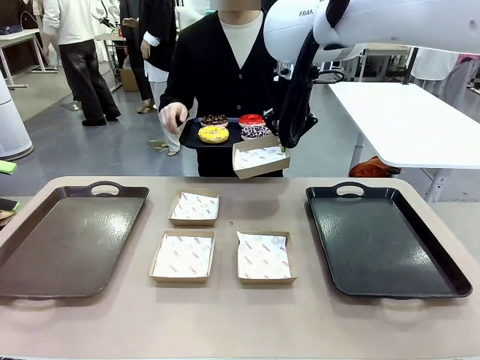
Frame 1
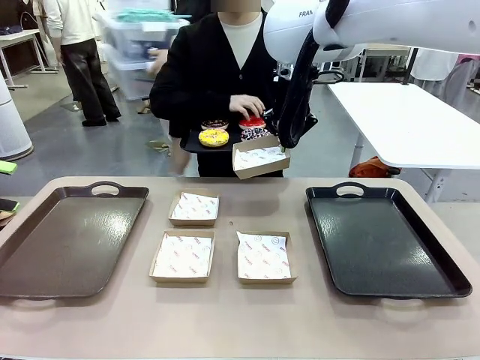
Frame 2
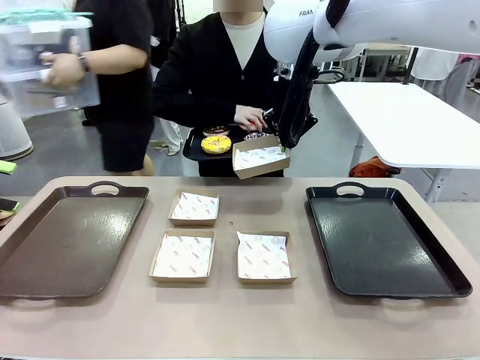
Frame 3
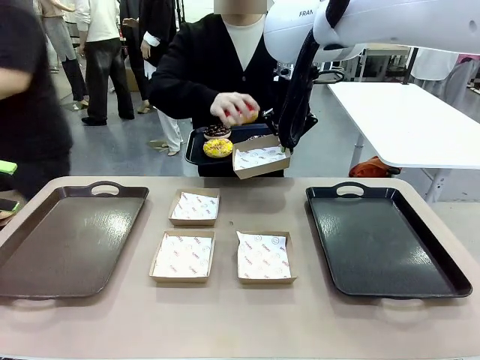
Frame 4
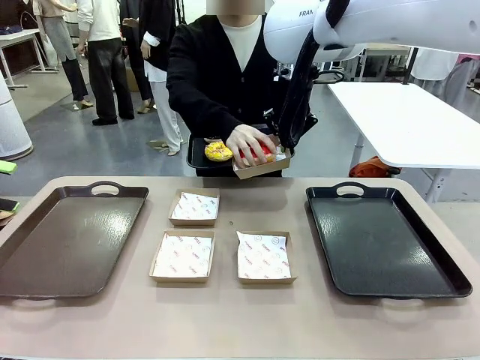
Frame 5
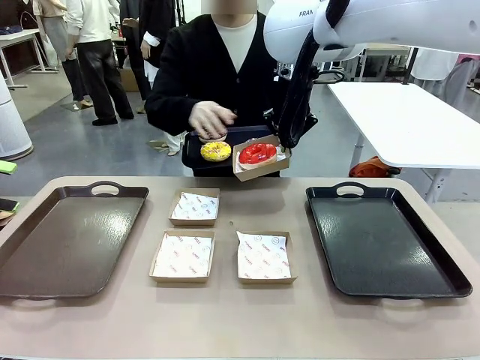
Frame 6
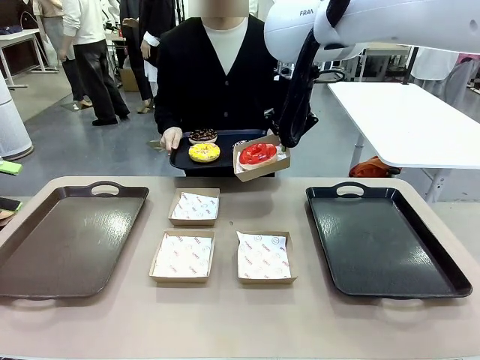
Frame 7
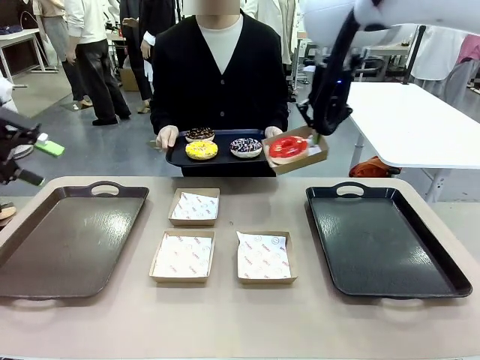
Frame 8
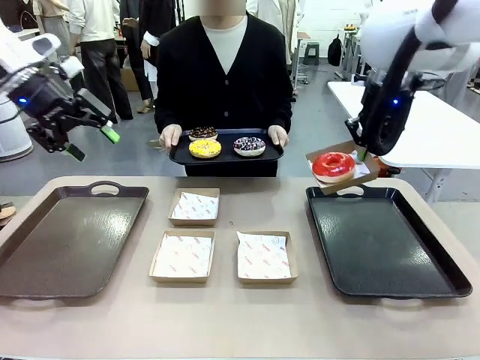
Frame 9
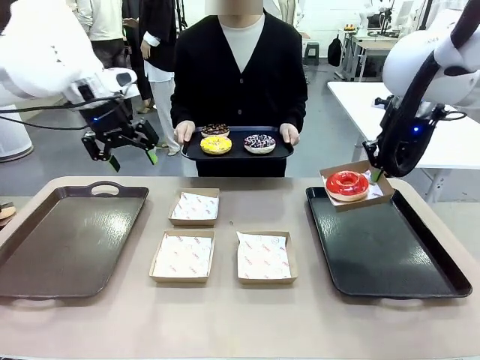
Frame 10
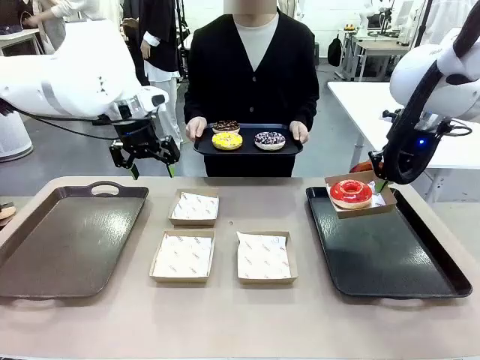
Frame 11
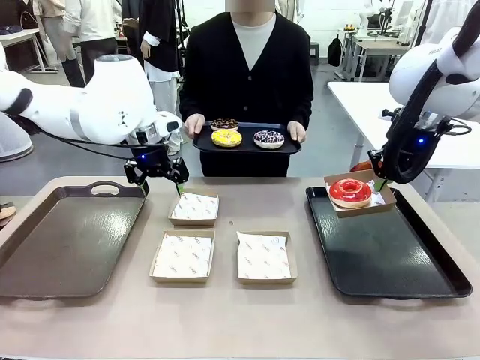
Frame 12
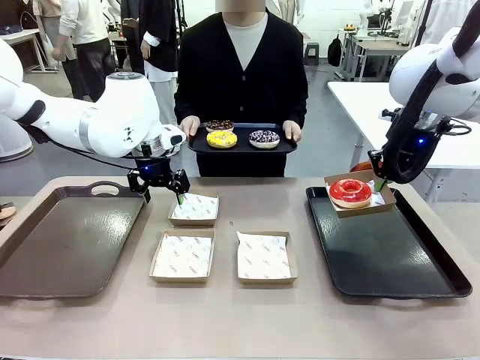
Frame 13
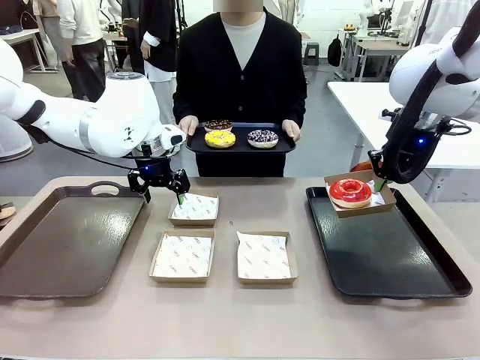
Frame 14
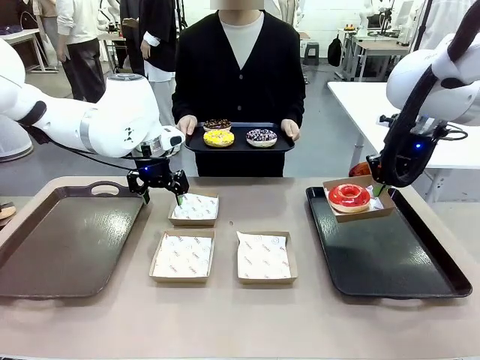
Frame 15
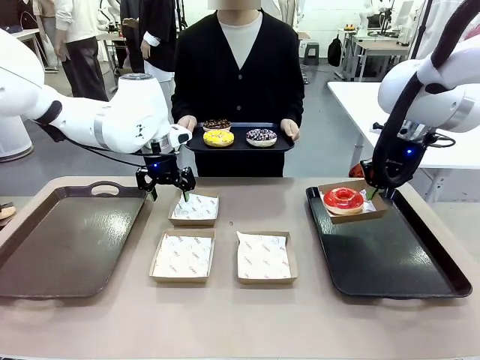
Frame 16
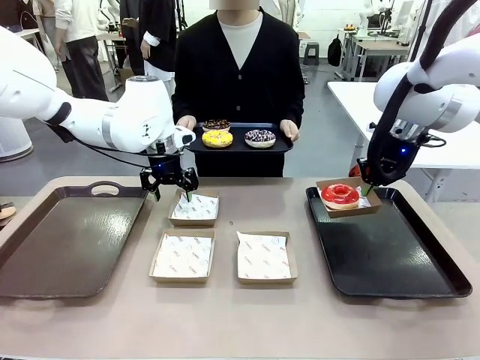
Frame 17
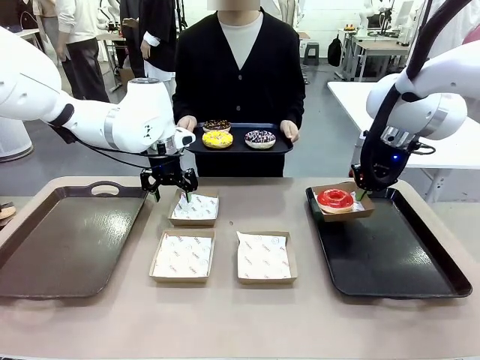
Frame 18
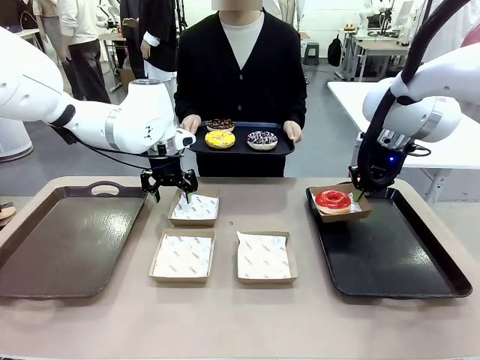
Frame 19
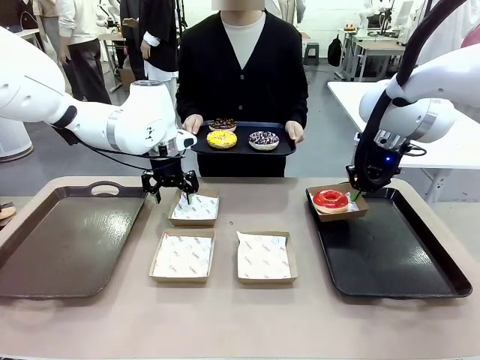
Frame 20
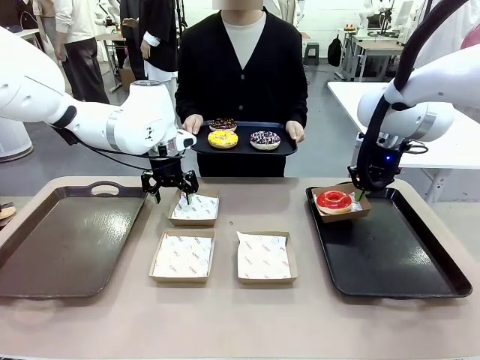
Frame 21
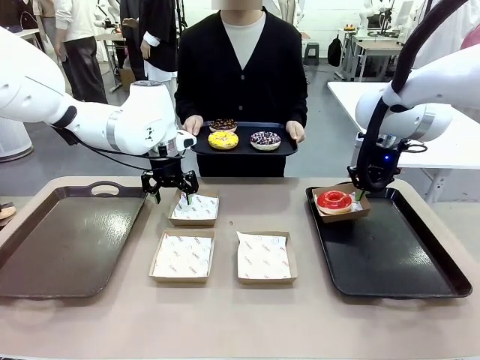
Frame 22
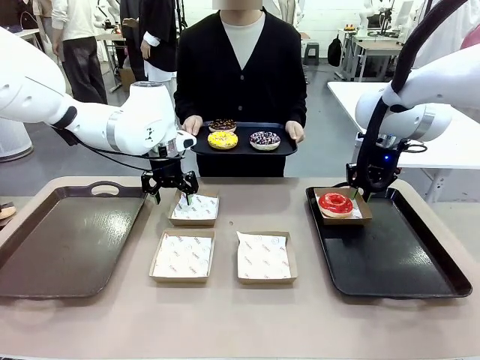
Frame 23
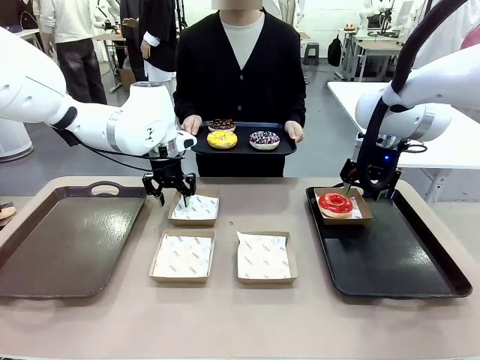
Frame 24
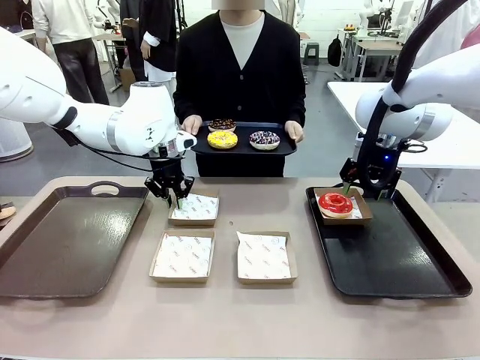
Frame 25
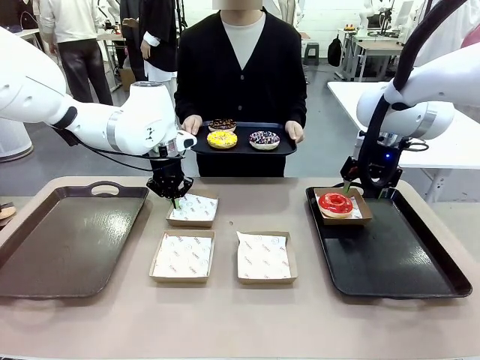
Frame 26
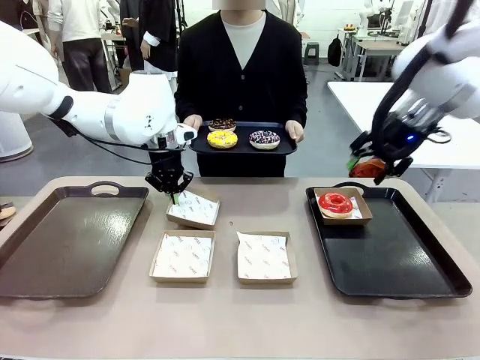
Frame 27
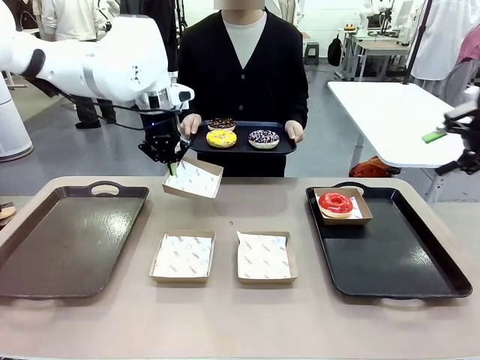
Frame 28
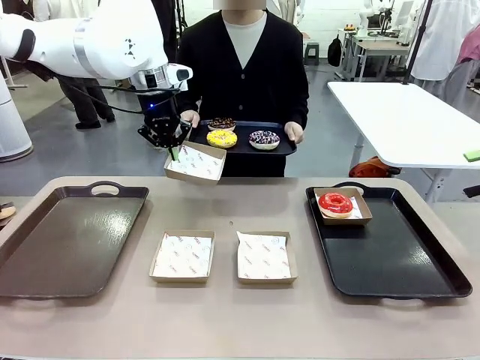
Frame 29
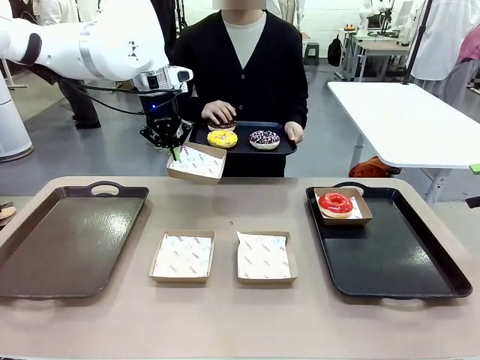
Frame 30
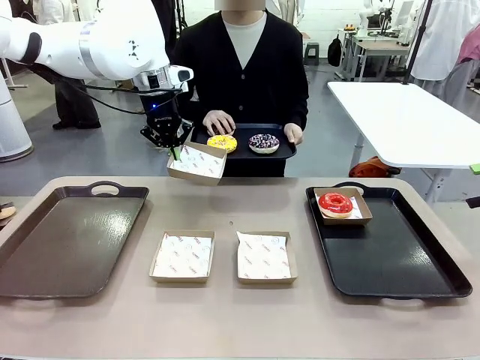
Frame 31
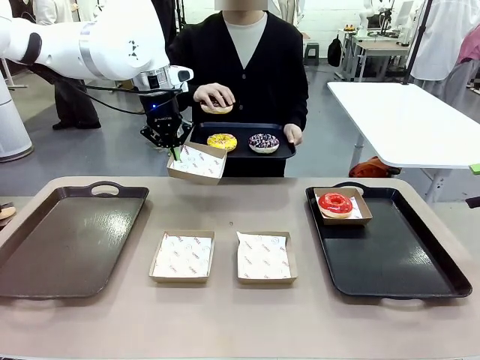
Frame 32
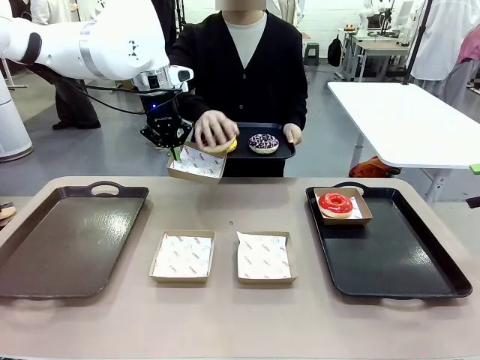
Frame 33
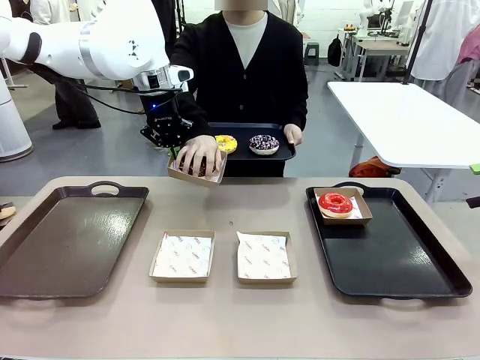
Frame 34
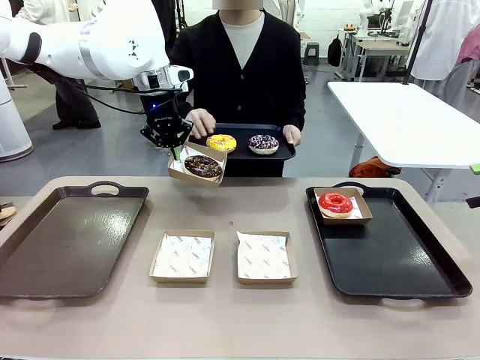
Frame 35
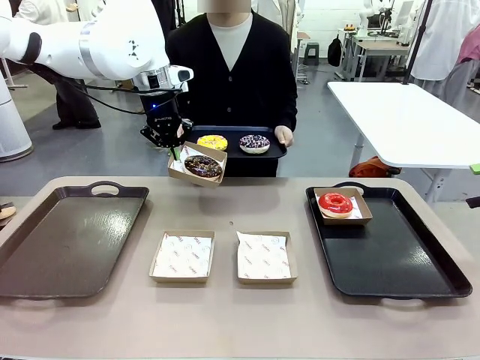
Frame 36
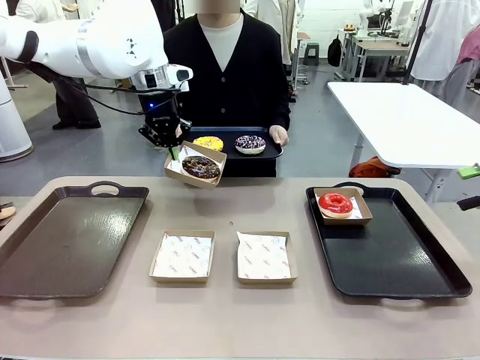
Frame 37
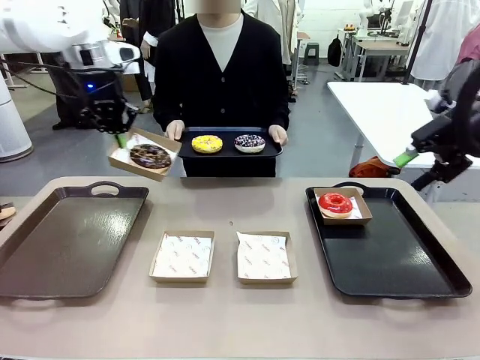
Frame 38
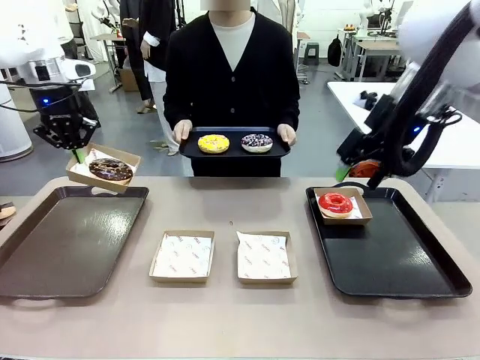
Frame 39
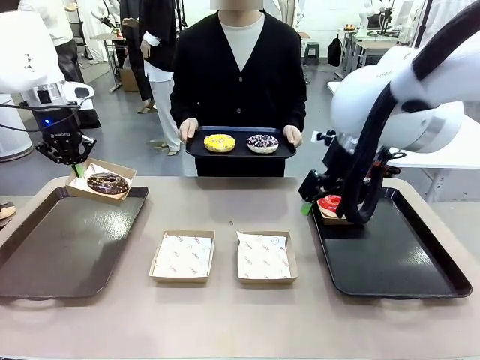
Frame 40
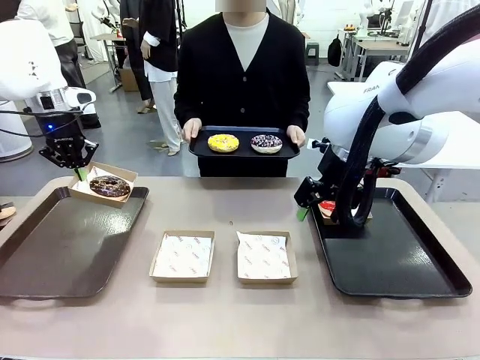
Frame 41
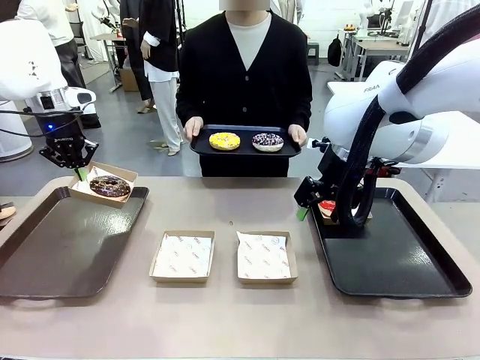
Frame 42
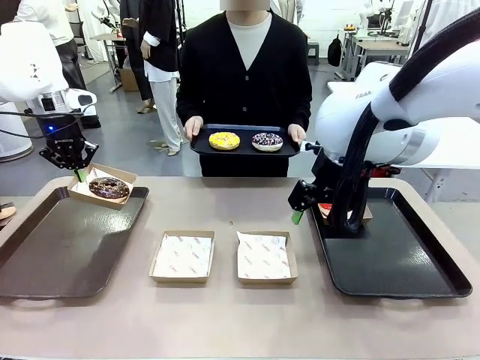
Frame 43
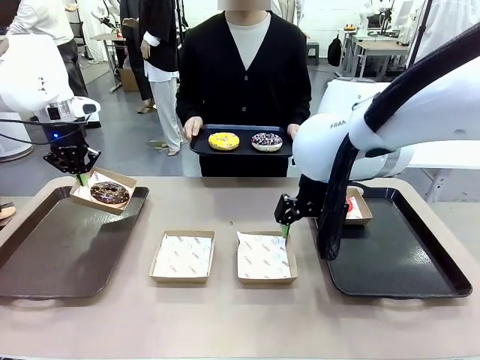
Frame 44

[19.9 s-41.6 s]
Task: Individually package the donuts and arrange them on the tray.
Robot: Place the picked Paper togo box on the Handle tray while simultaneously picking up another Paper togo box from the table with the other hand.
